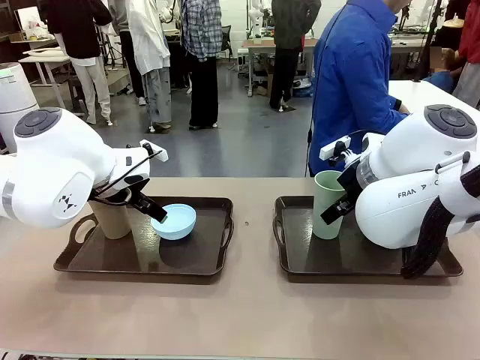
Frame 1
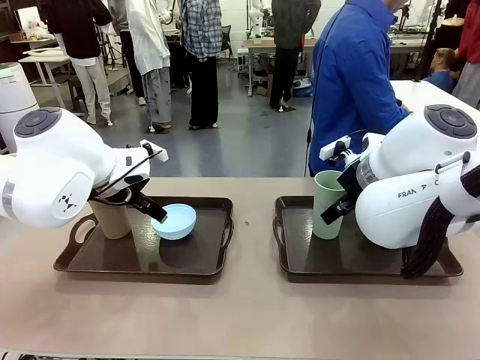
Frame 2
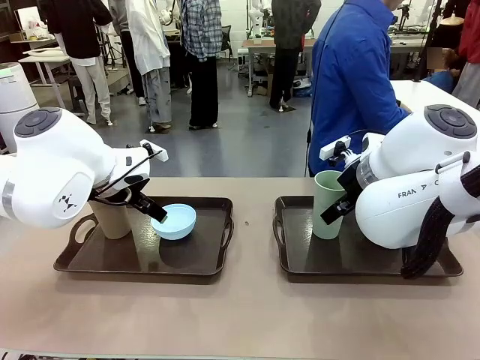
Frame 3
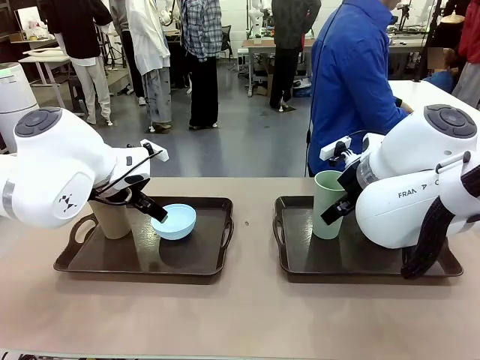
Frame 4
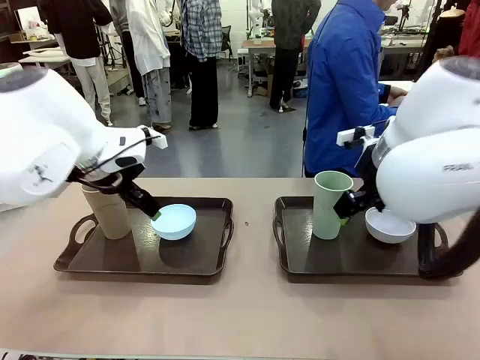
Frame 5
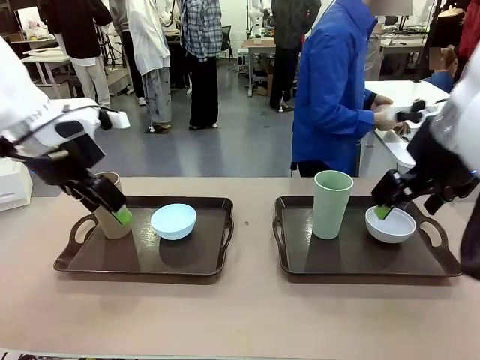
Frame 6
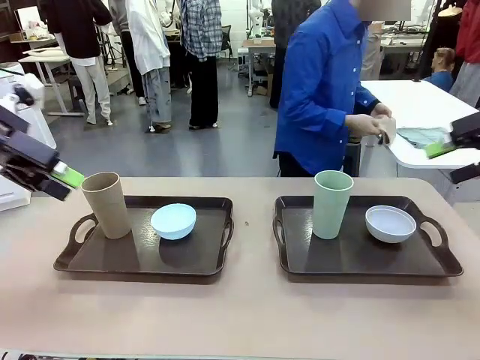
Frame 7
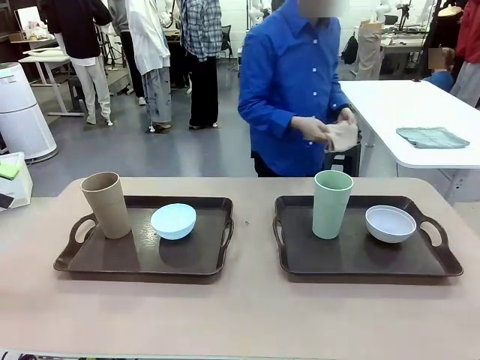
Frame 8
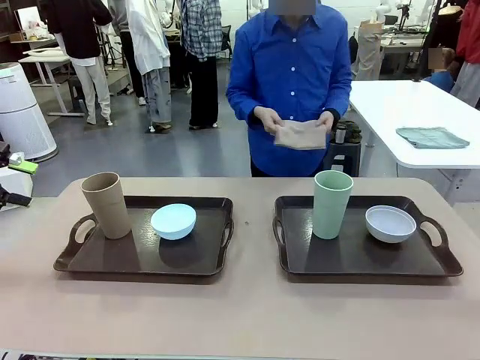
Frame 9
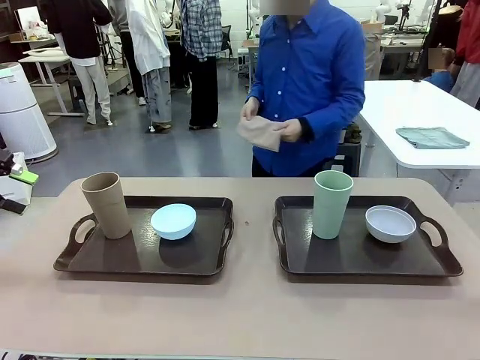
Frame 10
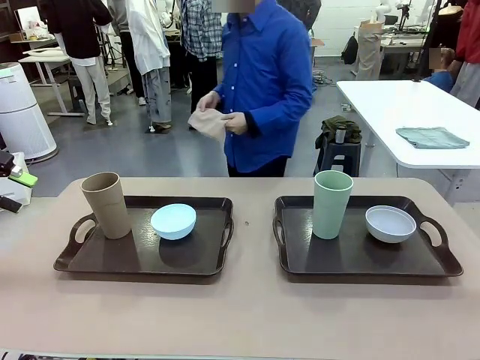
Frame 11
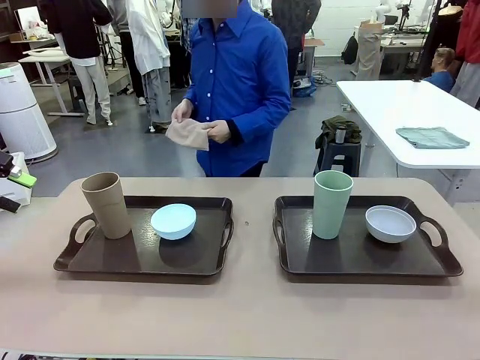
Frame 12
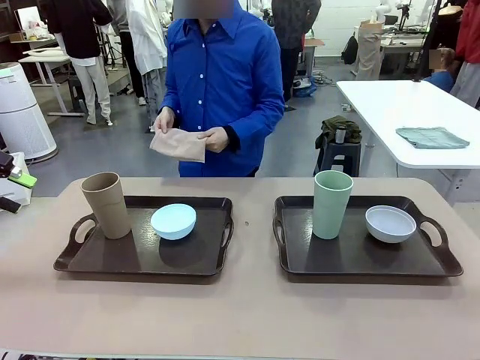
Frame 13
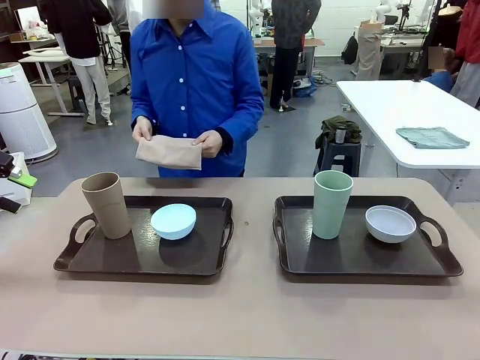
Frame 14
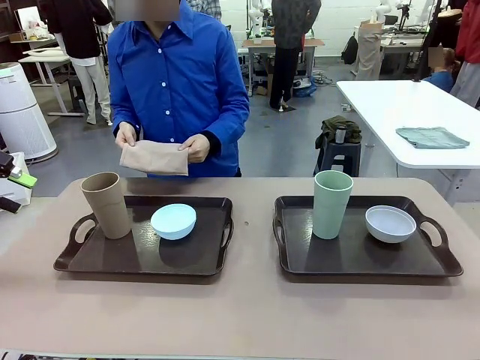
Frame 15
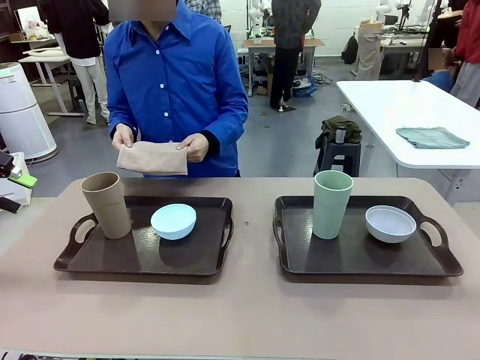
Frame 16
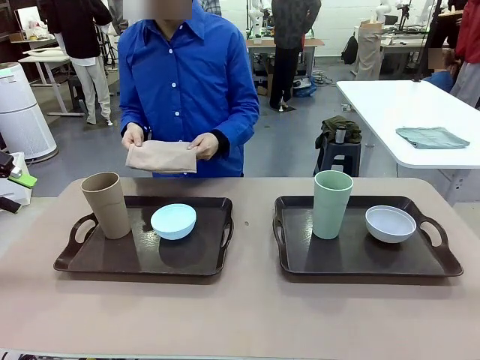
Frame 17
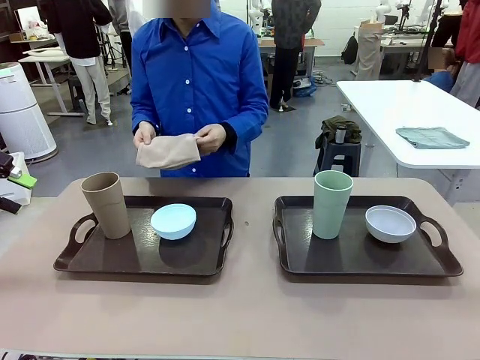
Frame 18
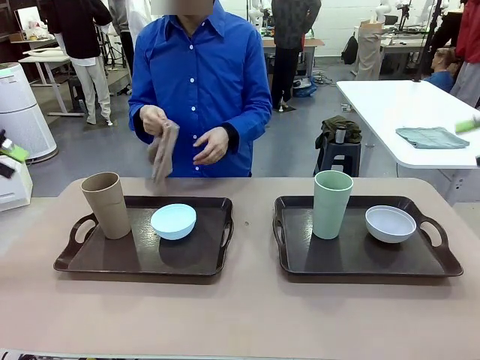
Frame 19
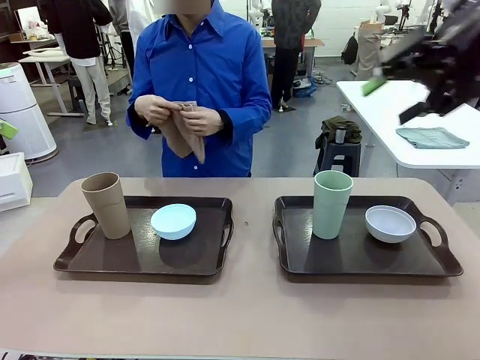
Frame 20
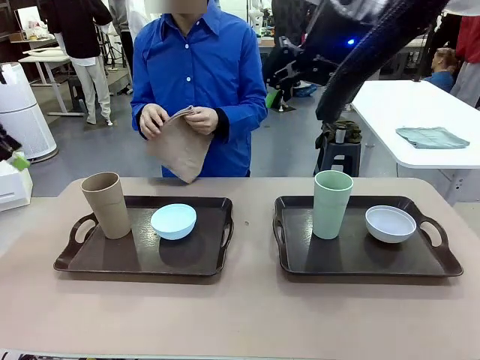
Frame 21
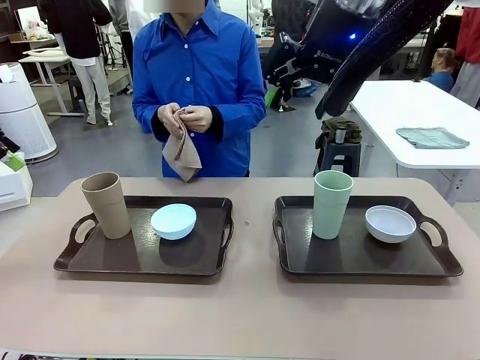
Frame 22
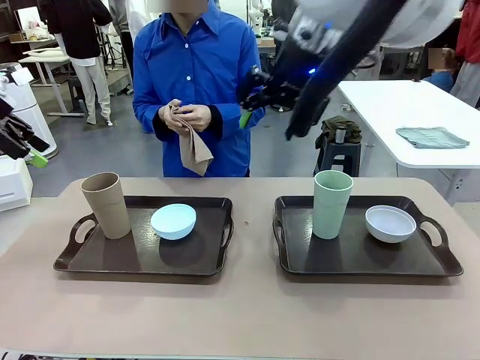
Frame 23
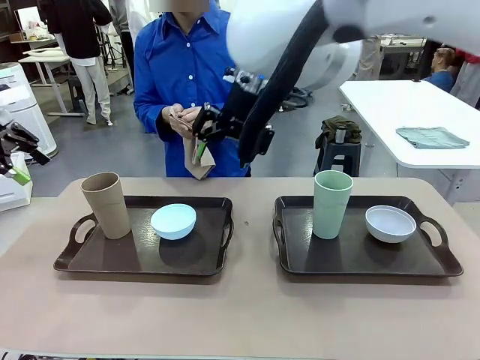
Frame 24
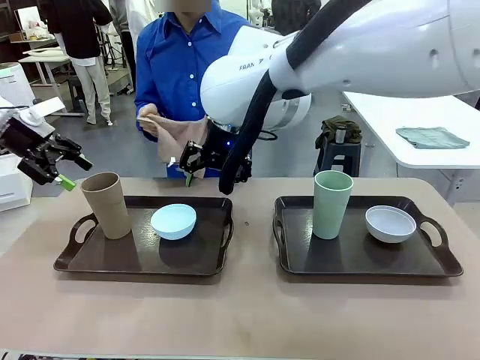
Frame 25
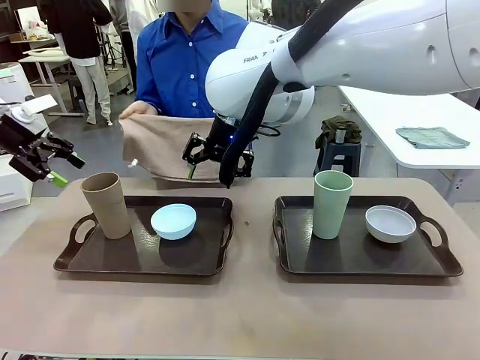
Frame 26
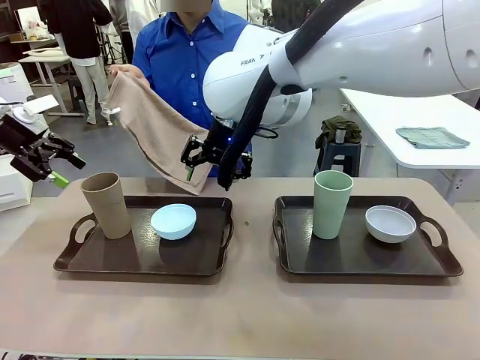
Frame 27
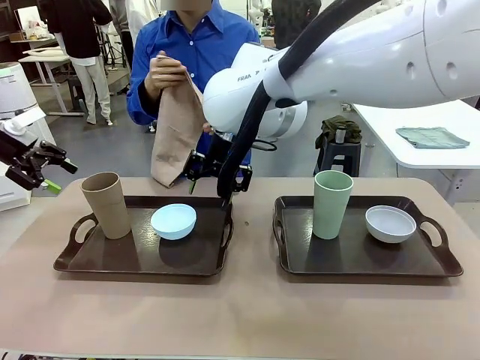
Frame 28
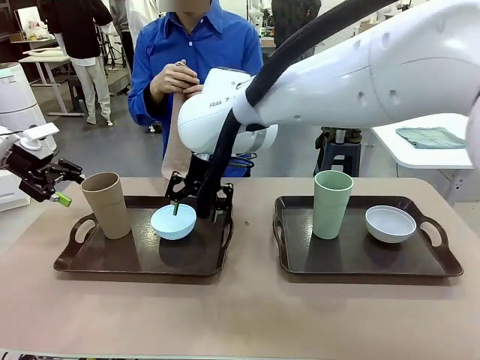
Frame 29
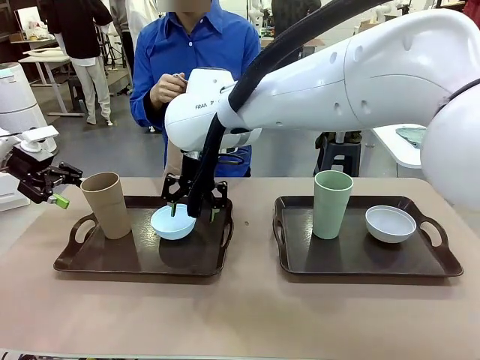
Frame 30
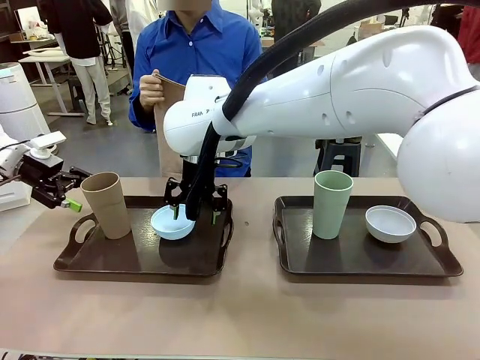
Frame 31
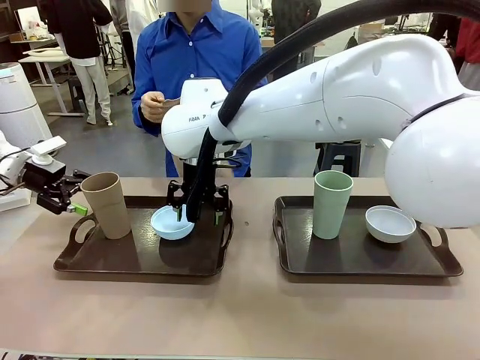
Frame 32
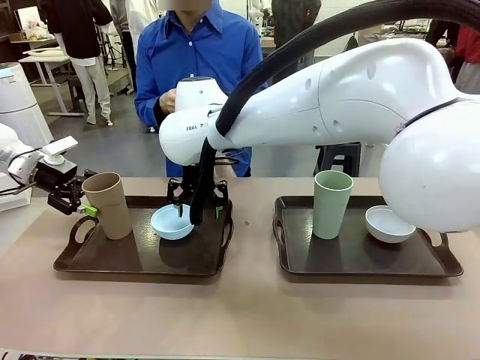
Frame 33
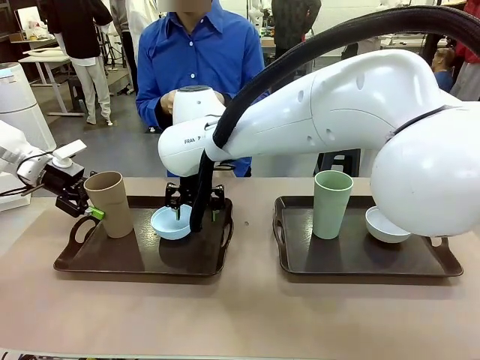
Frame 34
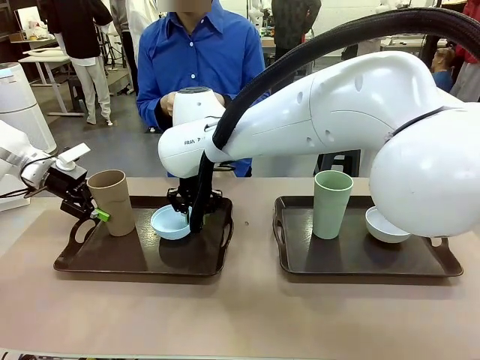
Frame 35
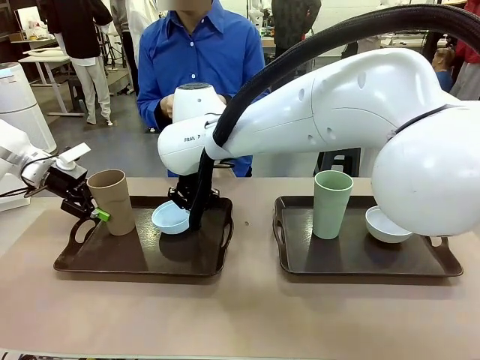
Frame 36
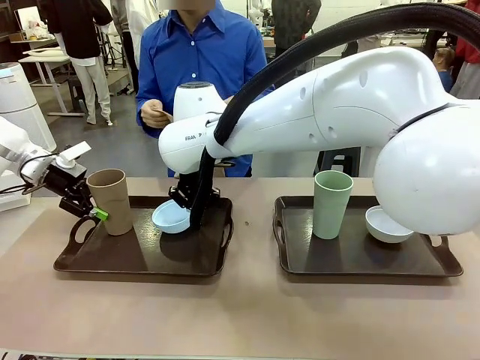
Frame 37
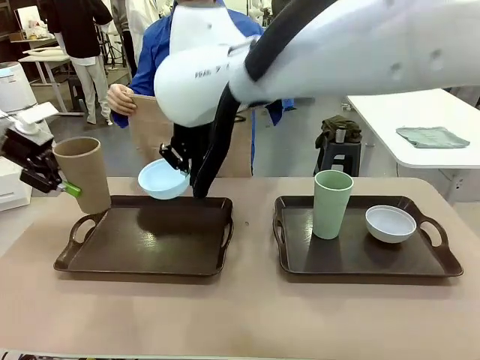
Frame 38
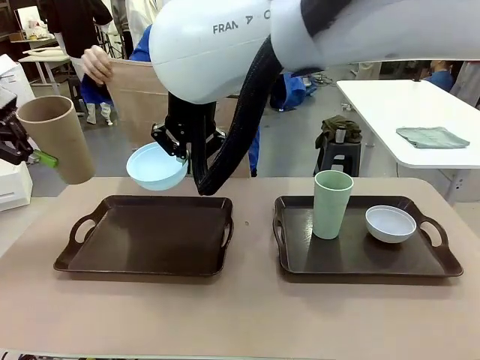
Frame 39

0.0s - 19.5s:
Robot: Pick up the Picnic Bowl and Reusable plastic cup from the Handle tray in front of the human's position and hold them in the air.
Person: The human picks up the top napkin from the stack on the human table and walks to the robot table to stand in front of one of the two trays. When the robot lifts the bowl and the cup, the human unfolds the napkin and lays the napkin flat on the tray.

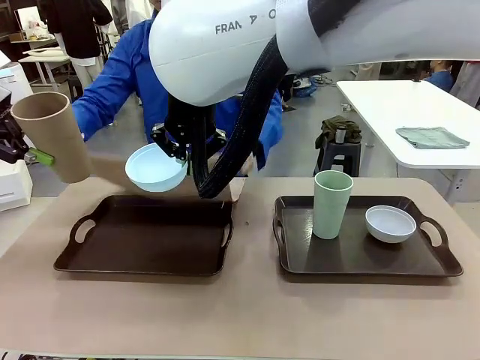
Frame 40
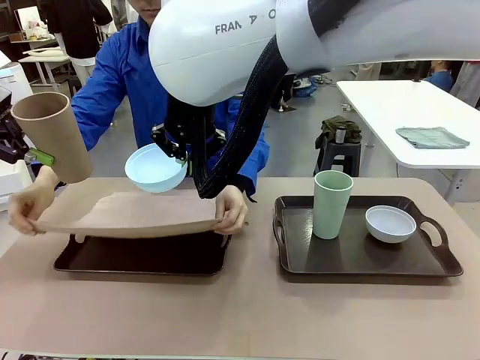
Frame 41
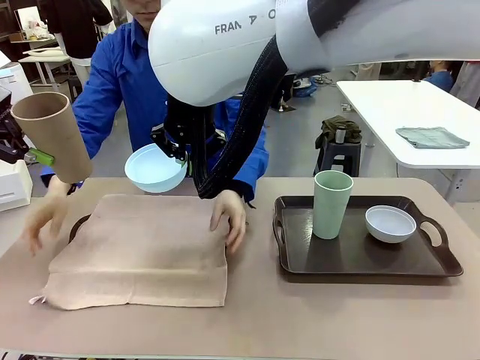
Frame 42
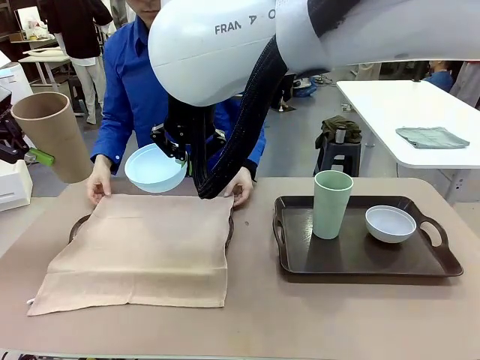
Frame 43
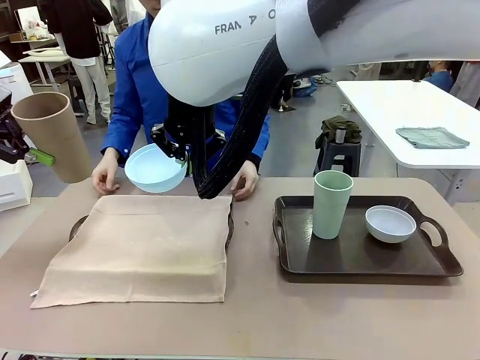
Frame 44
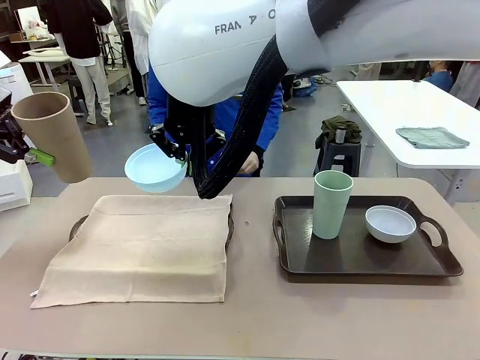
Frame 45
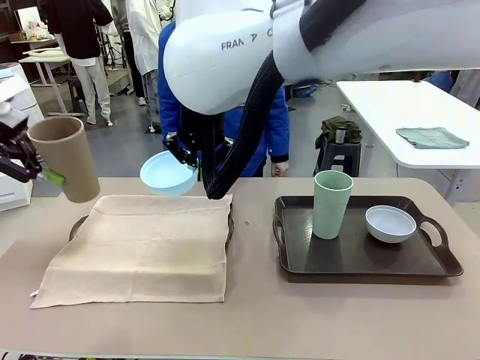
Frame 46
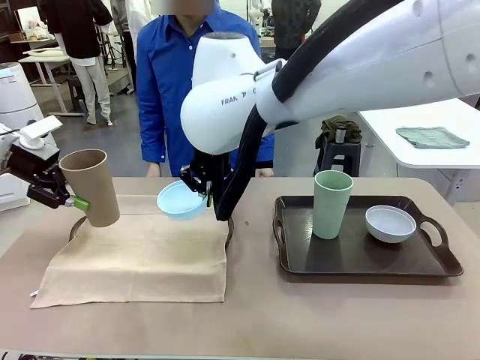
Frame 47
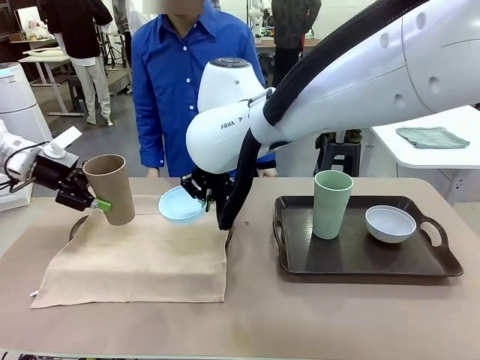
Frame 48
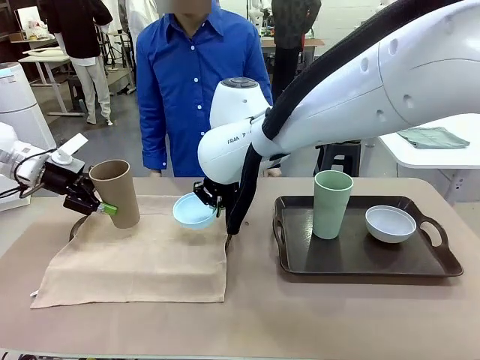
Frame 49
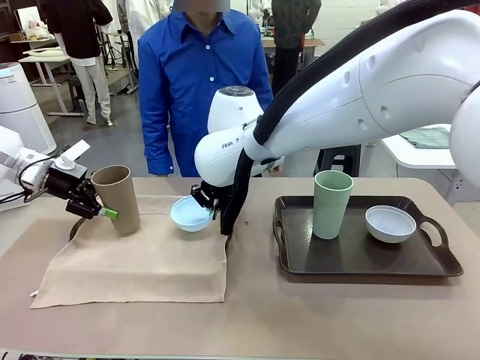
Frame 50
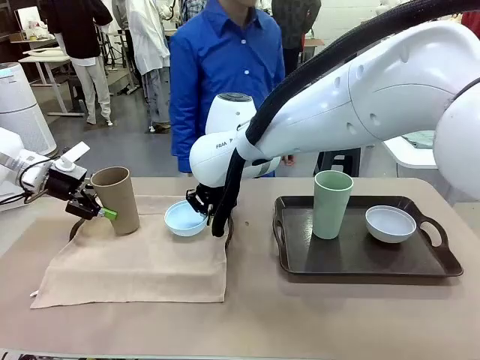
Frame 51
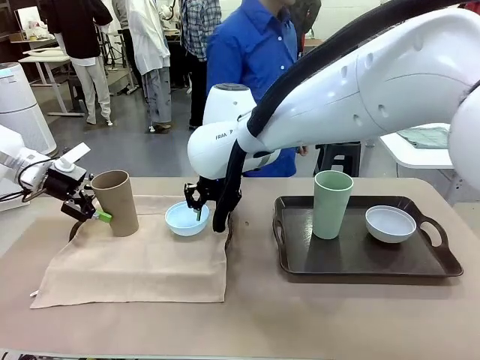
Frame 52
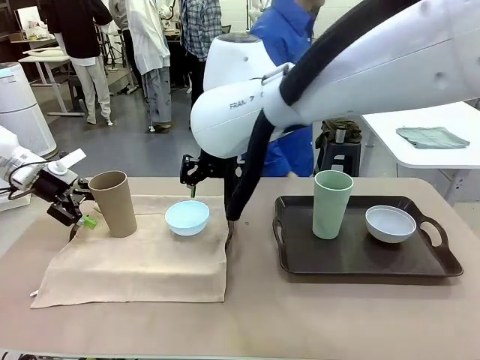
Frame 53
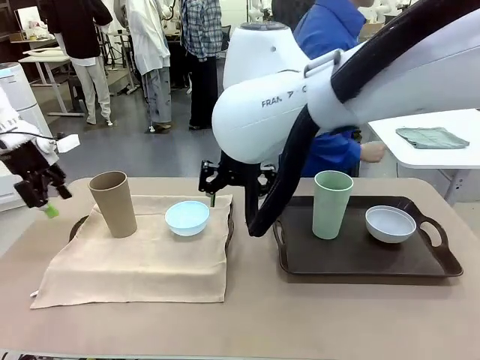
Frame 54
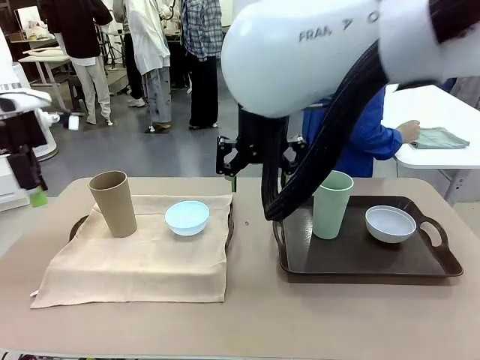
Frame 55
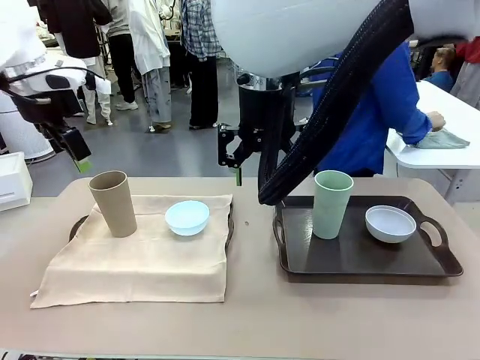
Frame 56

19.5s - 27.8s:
Robot: Place the Picnic Bowl and Reusable plastic cup back onto the Handle tray in front of the human's position.
Person: The human returns to the human table to pick up another napkin and walks to the robot table to stand in front of the tray without a napkin.
